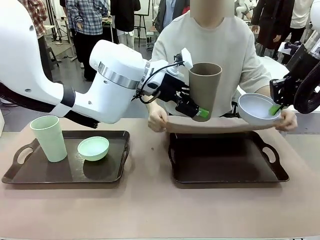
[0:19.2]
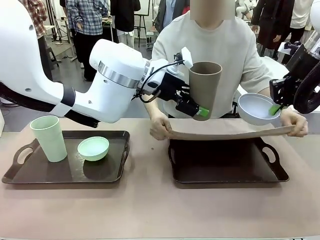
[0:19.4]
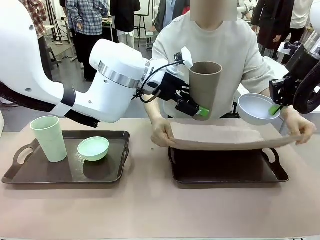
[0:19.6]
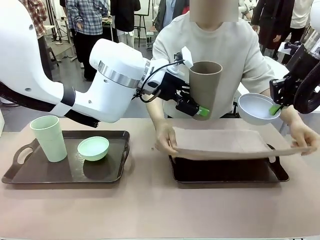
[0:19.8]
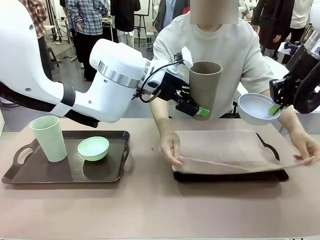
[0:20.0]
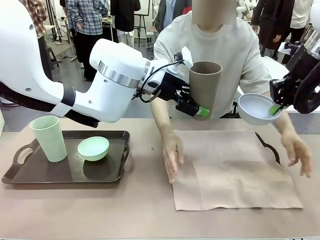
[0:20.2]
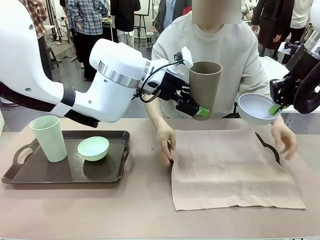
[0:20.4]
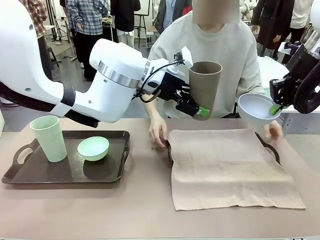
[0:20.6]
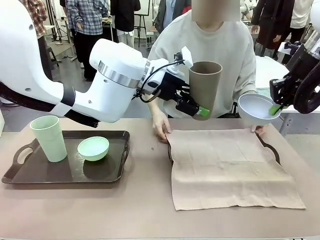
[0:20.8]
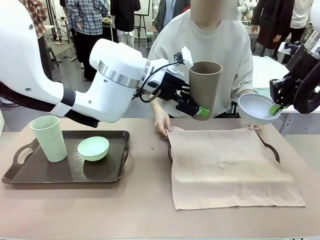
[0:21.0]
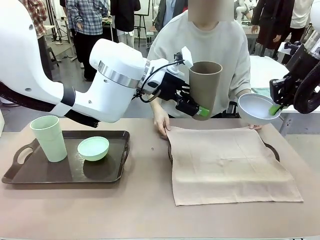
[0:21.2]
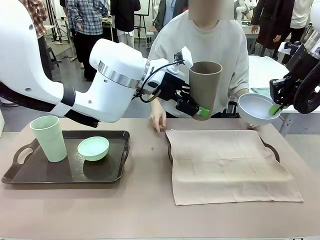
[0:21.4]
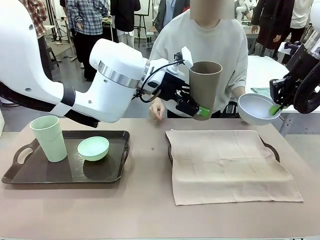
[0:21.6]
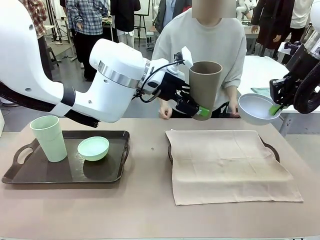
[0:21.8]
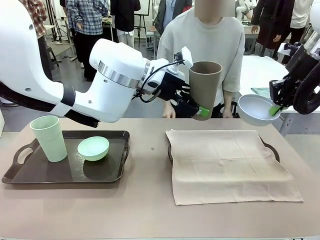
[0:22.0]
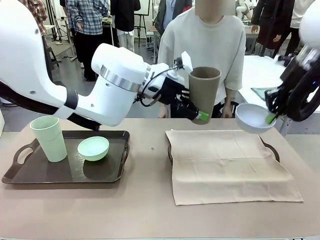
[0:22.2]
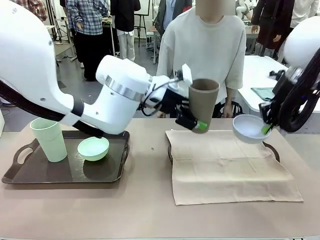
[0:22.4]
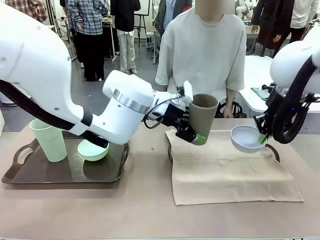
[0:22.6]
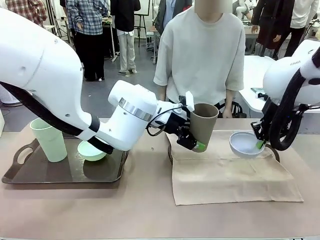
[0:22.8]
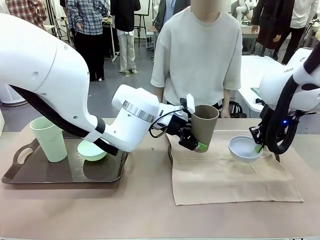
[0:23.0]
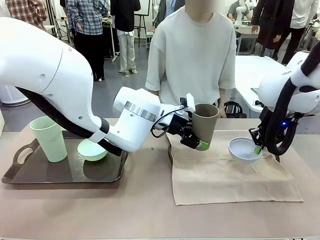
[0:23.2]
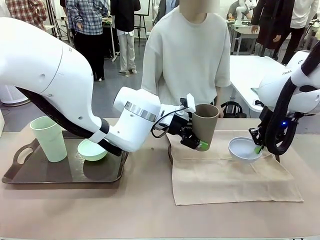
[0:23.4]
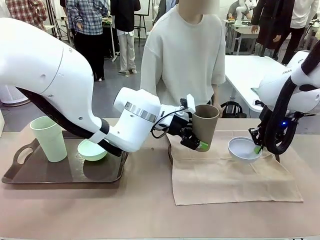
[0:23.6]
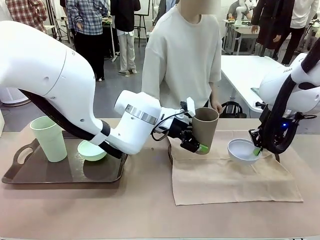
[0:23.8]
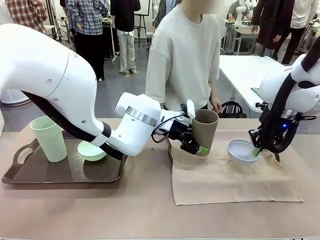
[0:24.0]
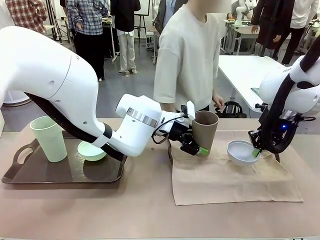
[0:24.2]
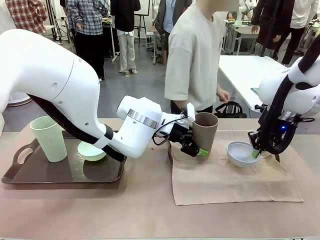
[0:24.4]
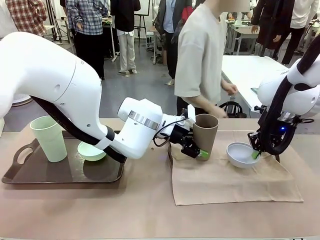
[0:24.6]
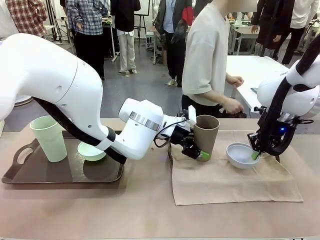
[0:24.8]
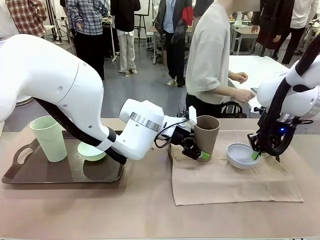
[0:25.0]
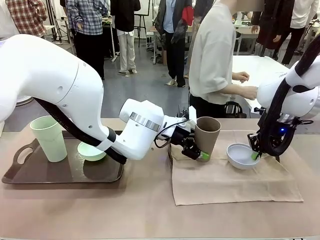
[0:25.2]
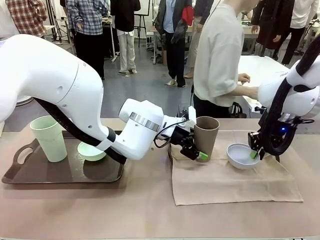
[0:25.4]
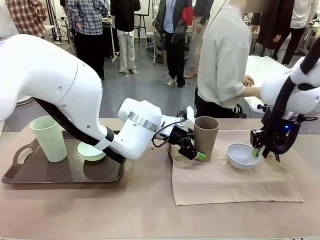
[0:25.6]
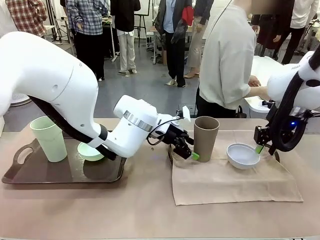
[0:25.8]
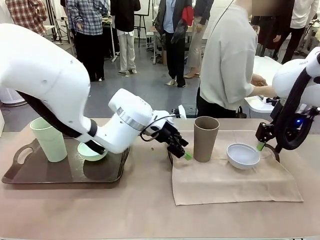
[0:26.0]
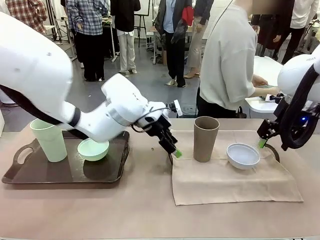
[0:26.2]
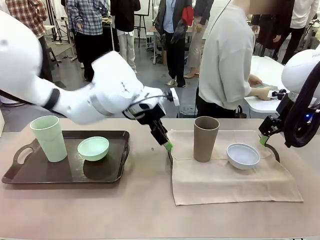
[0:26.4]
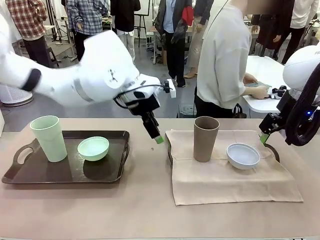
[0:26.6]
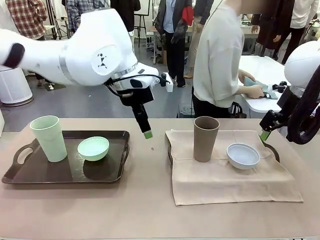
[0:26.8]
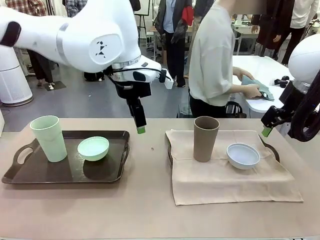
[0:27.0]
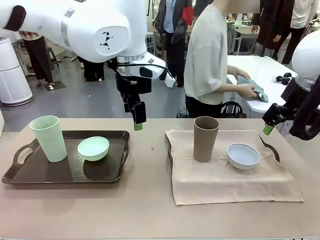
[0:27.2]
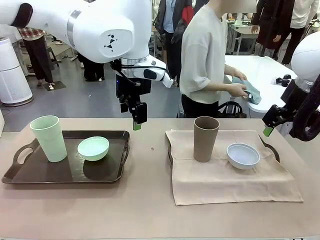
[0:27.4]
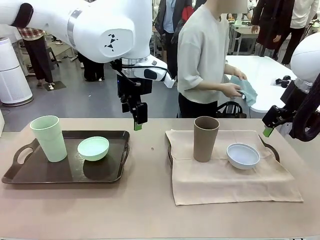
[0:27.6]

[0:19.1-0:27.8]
Robot: Place the Picnic Bowl and Reusable plastic cup back onto the Handle tray in front of the human's position.

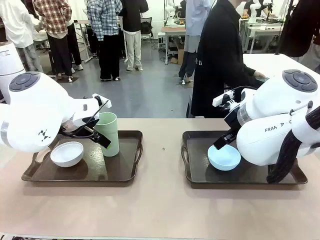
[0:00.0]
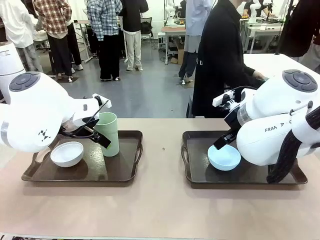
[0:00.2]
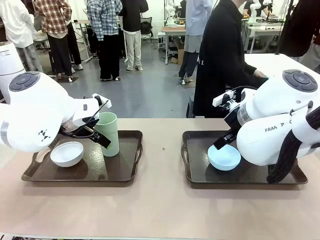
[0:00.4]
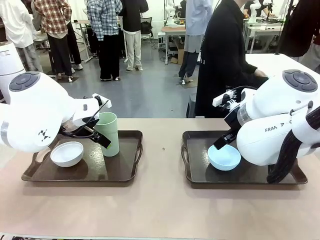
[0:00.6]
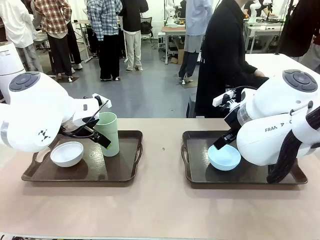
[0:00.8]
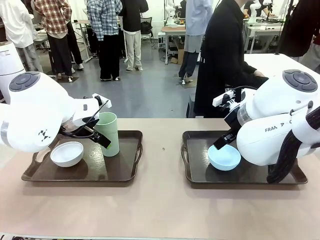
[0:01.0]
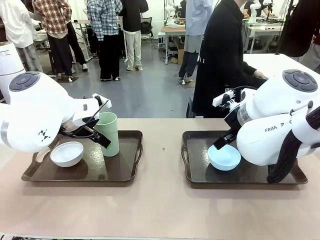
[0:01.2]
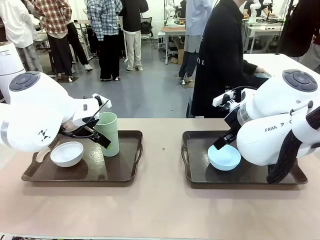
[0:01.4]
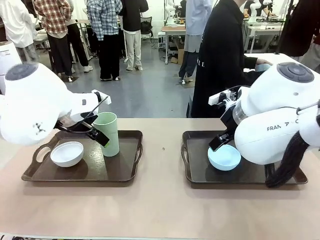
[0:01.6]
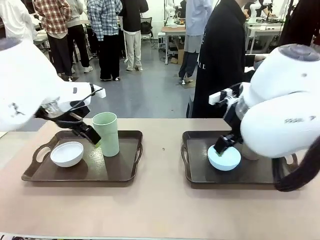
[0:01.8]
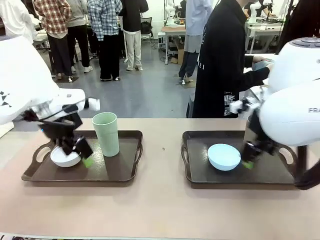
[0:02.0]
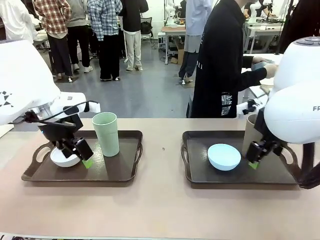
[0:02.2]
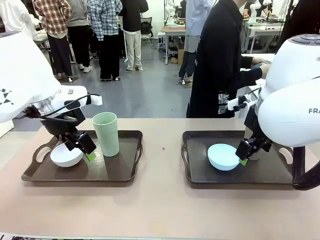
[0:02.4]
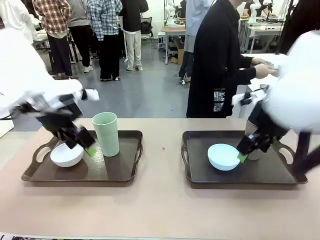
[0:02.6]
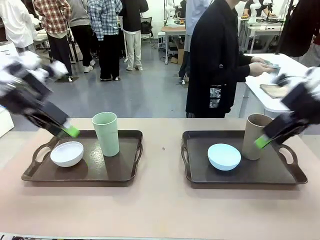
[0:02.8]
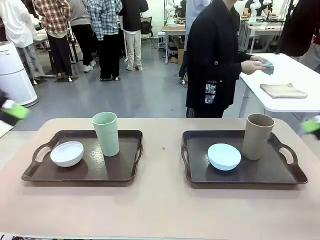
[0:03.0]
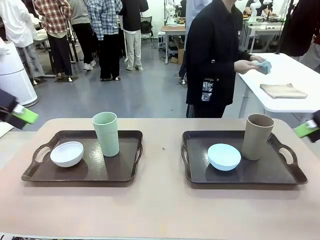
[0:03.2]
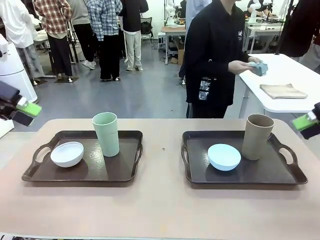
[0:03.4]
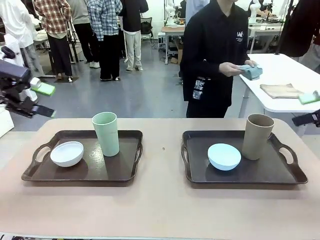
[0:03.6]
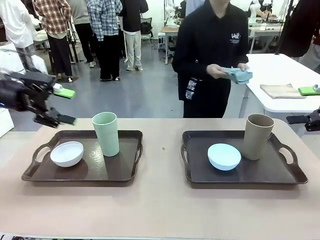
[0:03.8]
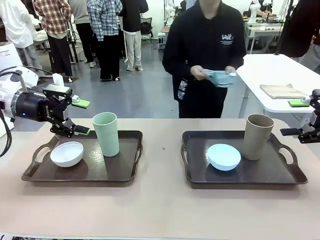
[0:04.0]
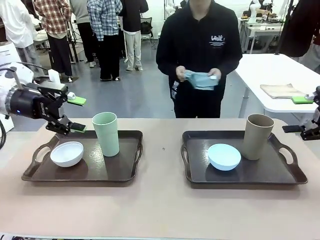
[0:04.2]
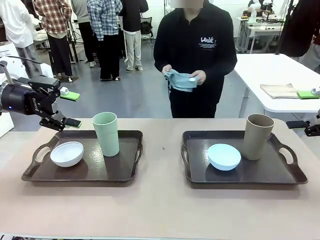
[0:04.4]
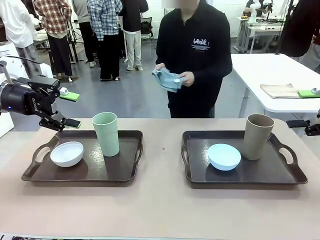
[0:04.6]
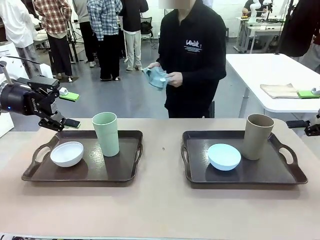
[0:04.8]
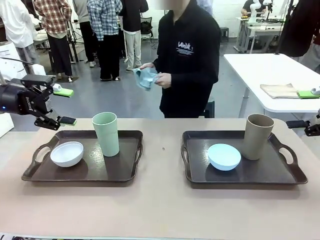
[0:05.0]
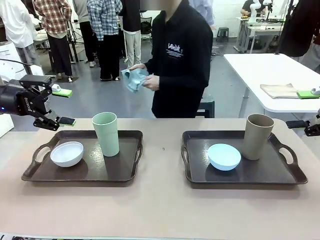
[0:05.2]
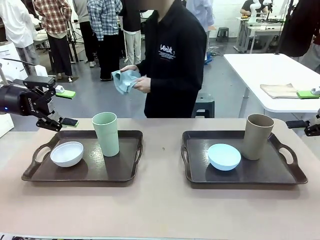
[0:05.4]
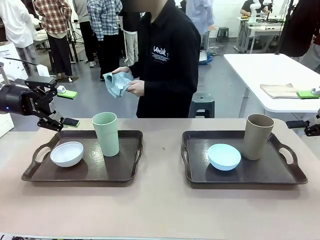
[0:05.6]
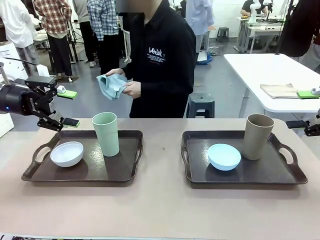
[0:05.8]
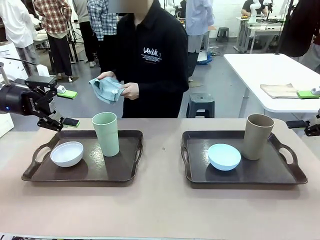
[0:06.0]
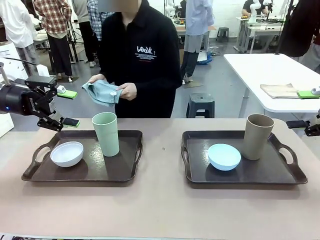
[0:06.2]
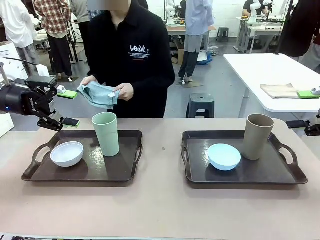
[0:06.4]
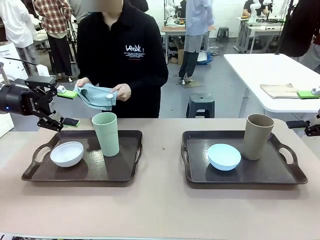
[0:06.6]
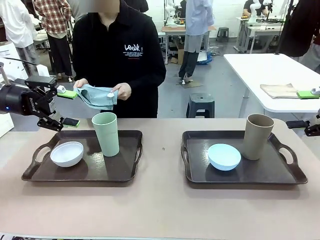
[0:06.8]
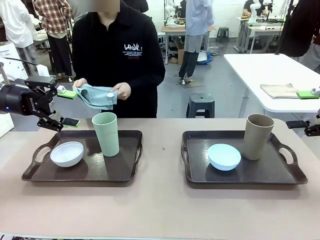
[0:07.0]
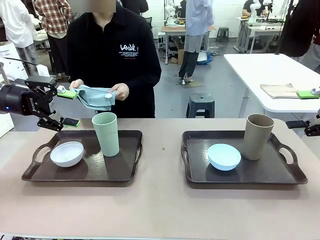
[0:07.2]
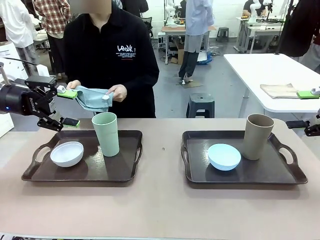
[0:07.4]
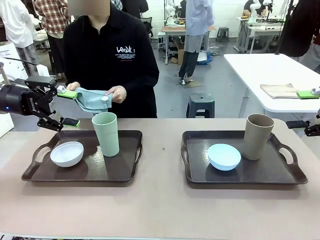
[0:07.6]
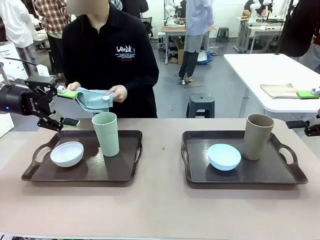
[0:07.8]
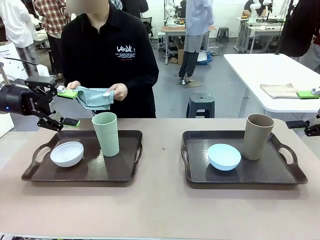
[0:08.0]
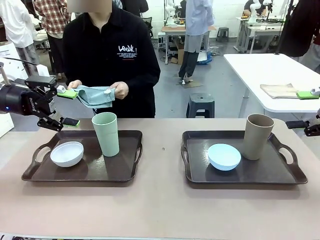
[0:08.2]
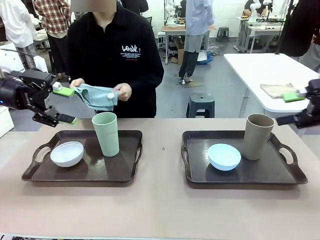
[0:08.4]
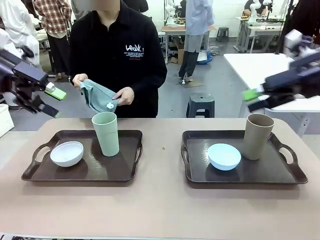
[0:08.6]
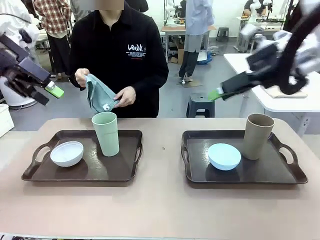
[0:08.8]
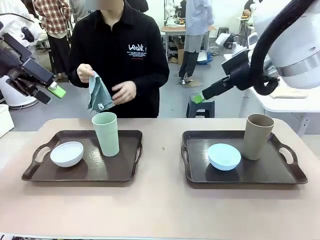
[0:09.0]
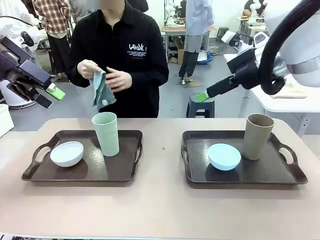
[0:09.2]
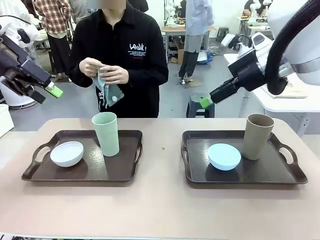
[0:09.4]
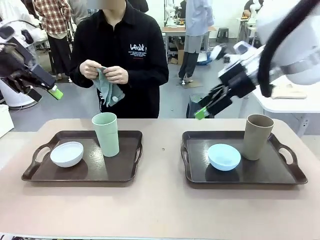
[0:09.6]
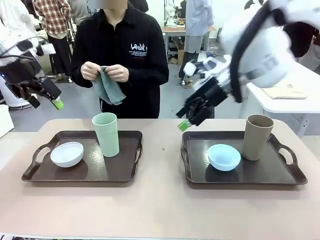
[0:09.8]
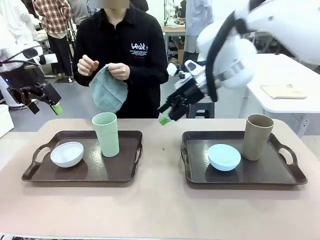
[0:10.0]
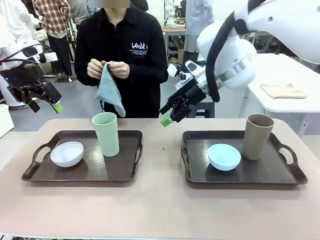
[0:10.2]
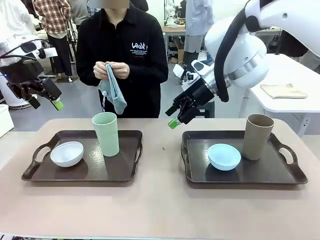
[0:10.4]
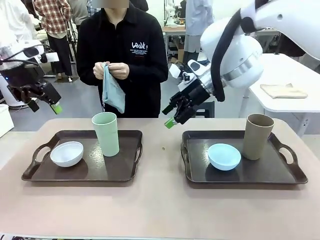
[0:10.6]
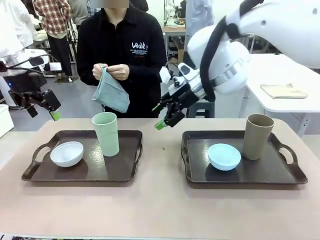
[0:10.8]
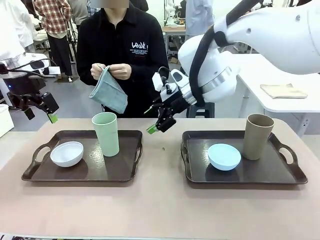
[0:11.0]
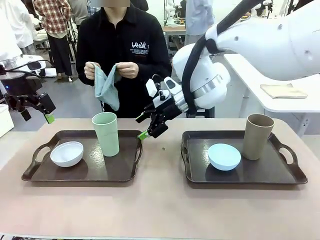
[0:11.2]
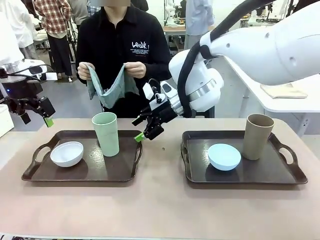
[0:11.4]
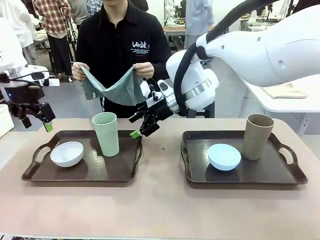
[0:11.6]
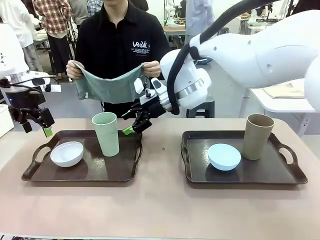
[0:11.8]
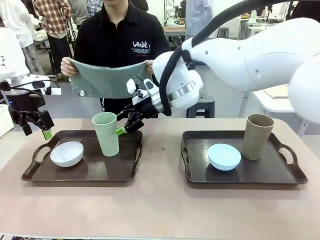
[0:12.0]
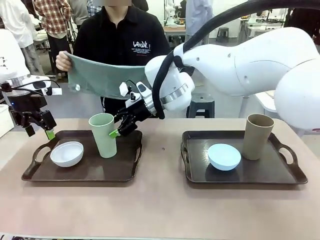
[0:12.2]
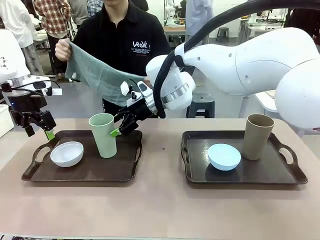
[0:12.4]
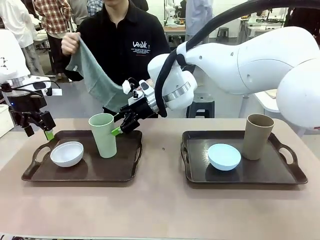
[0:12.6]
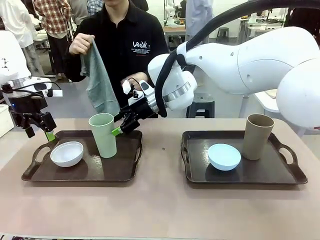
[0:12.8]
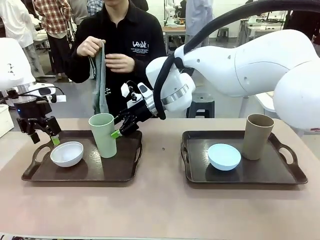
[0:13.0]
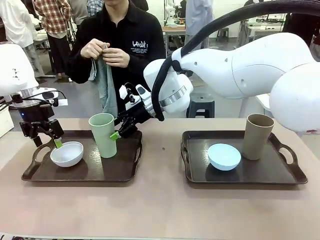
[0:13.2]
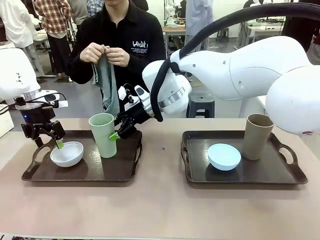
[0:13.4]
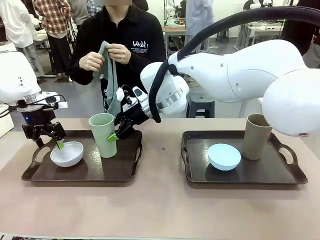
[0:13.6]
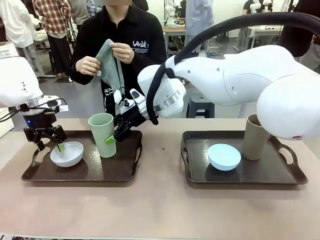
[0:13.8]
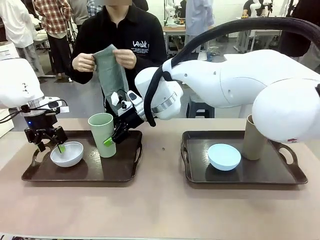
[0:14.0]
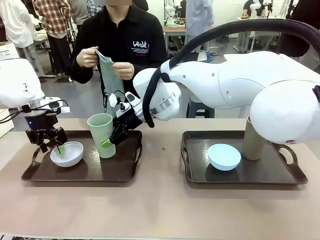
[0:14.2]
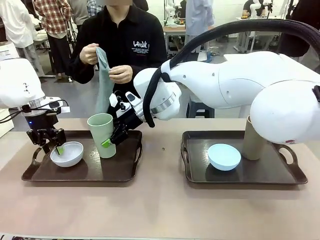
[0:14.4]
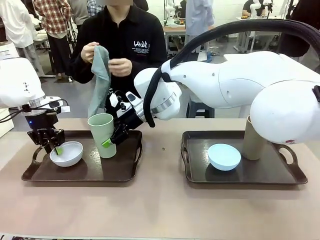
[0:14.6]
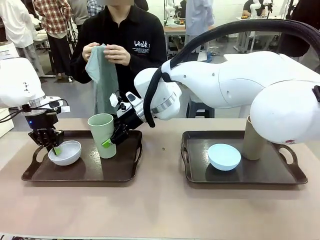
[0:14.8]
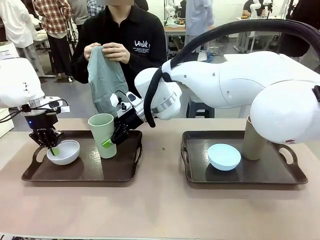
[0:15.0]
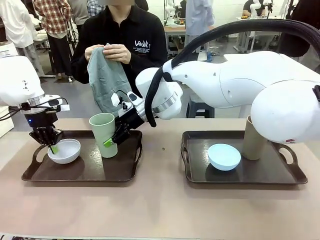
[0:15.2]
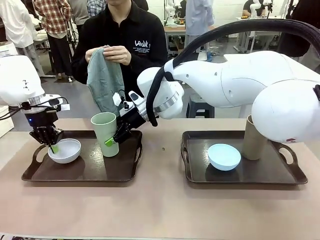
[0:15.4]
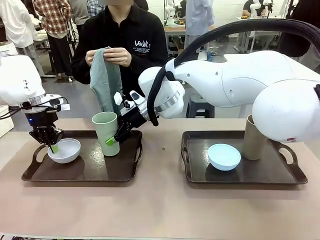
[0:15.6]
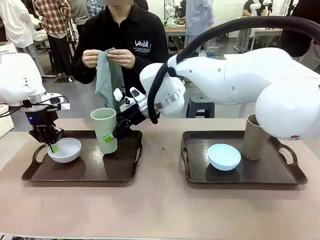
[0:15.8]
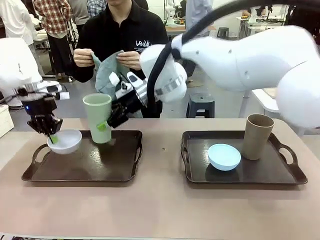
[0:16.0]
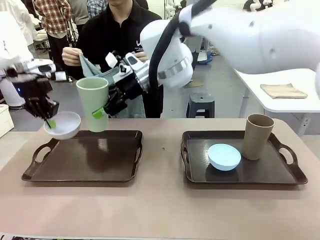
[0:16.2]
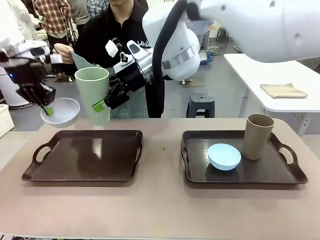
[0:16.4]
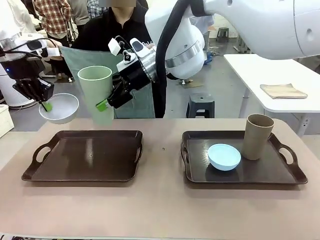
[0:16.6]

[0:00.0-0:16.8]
Robot: Pick up the Picnic Bowl and Reusable plastic cup from the Handle tray in front of the human's position and hold them in the air.
Person: The human picks up the top napkin from the stack on the human table and walks to the robot table to stand in front of one of the two trays. When the robot lifts the bowl and the cup, the human unfolds the napkin and lays the napkin flat on the tray.
